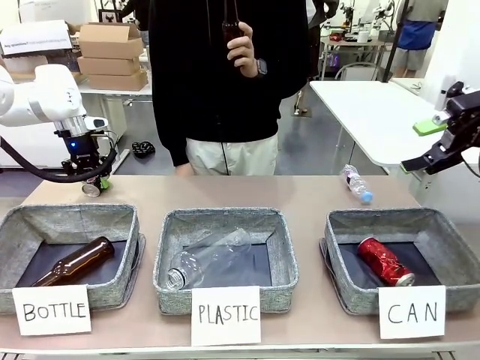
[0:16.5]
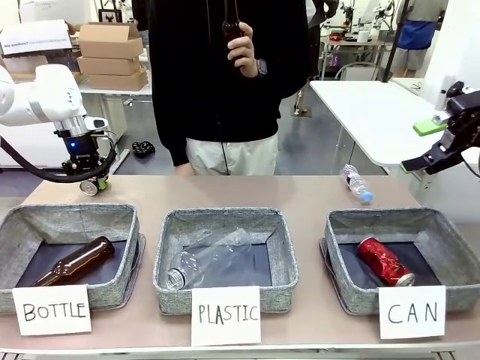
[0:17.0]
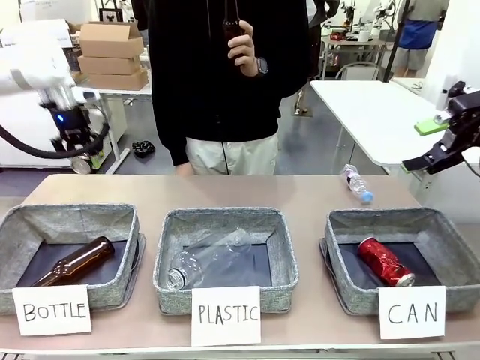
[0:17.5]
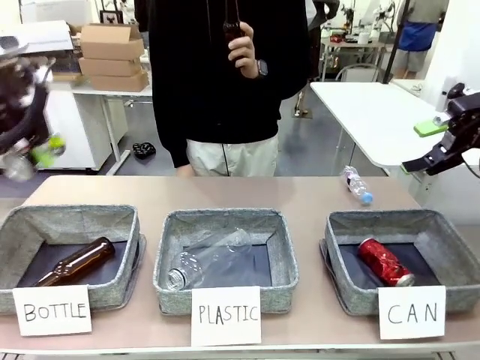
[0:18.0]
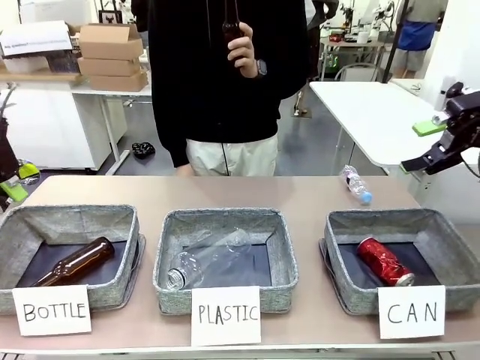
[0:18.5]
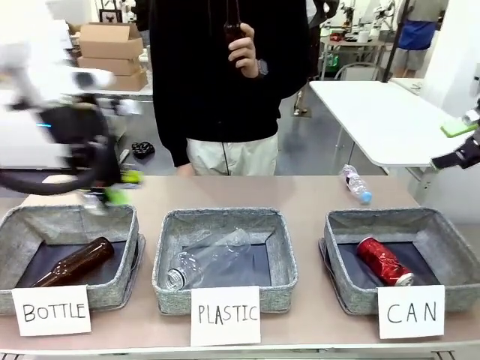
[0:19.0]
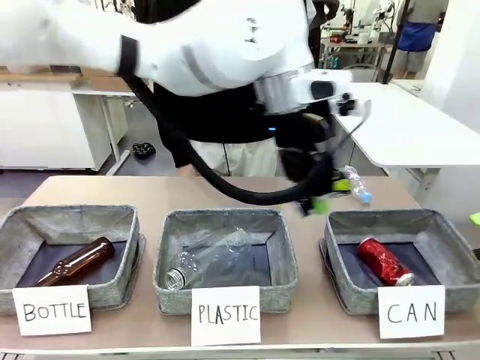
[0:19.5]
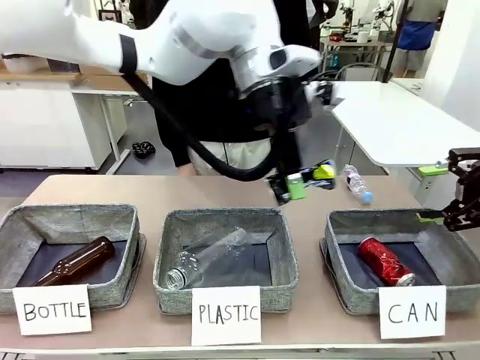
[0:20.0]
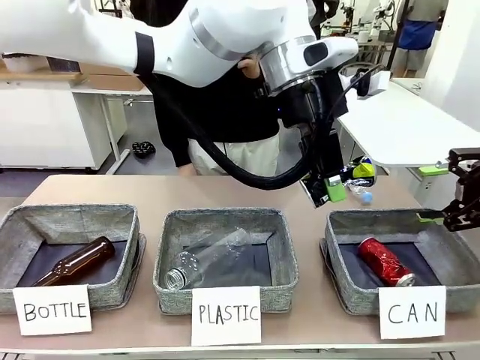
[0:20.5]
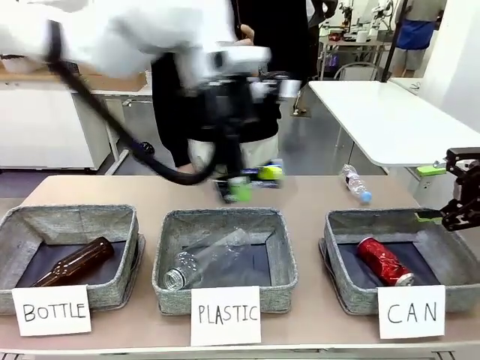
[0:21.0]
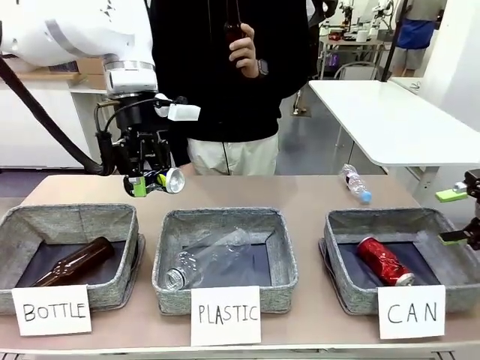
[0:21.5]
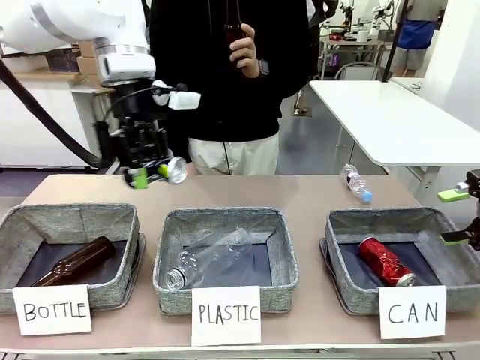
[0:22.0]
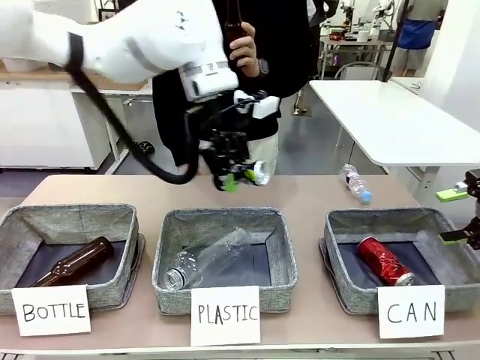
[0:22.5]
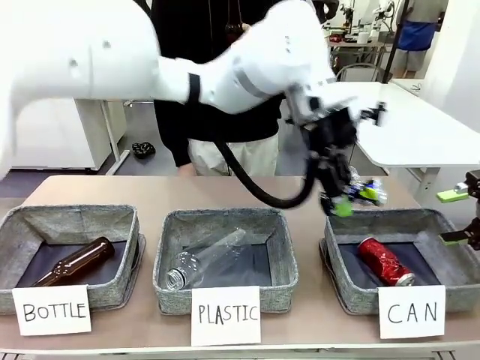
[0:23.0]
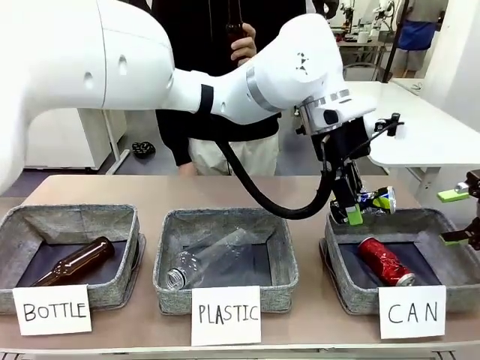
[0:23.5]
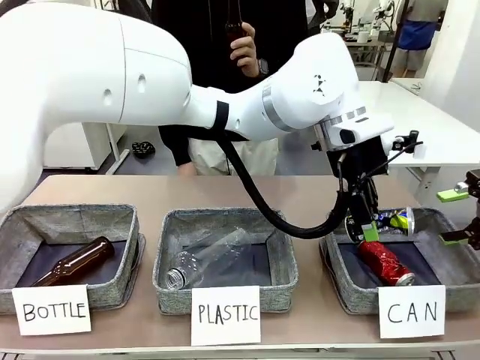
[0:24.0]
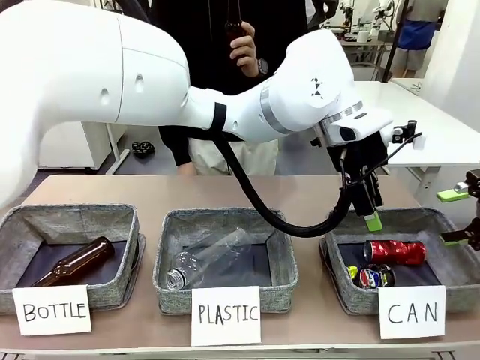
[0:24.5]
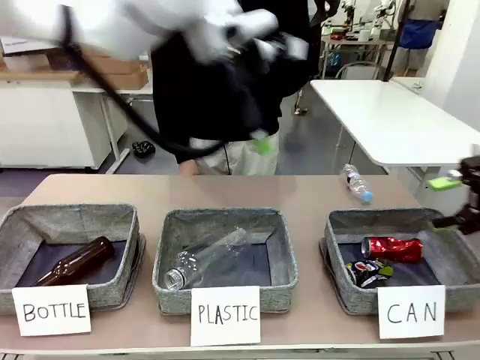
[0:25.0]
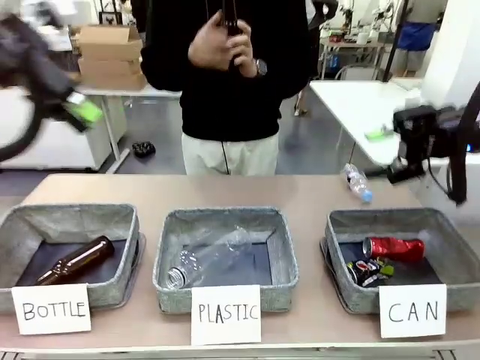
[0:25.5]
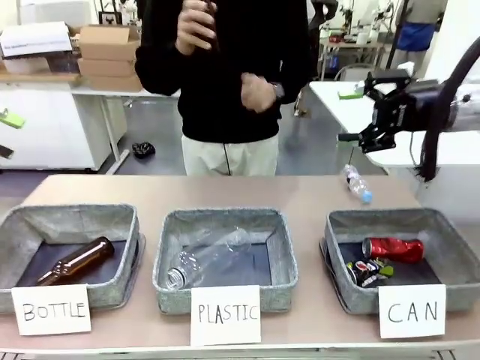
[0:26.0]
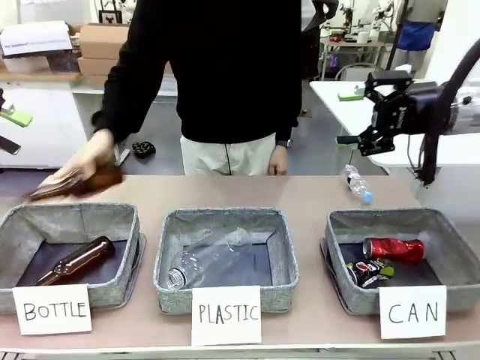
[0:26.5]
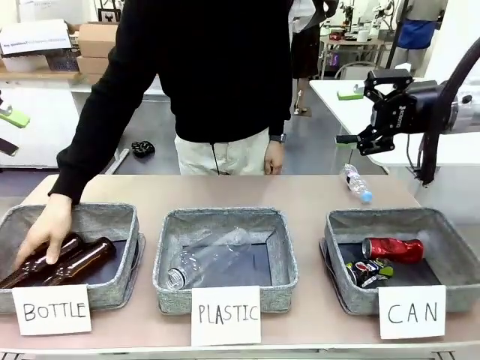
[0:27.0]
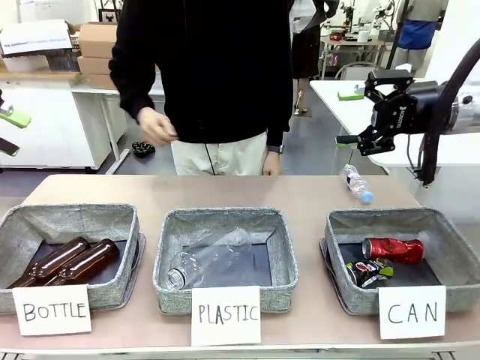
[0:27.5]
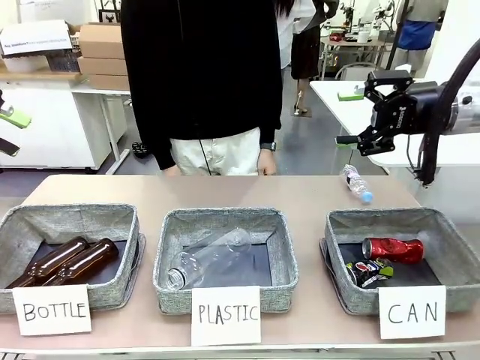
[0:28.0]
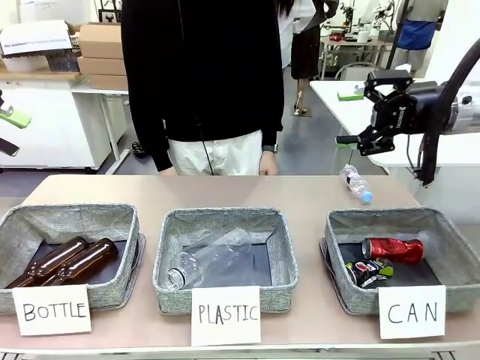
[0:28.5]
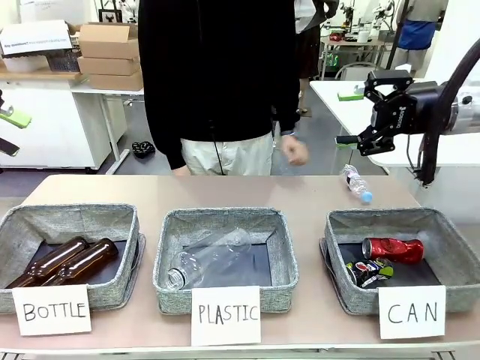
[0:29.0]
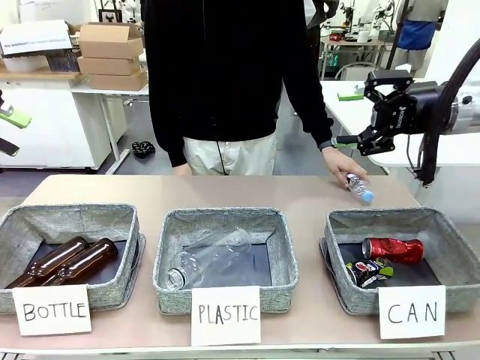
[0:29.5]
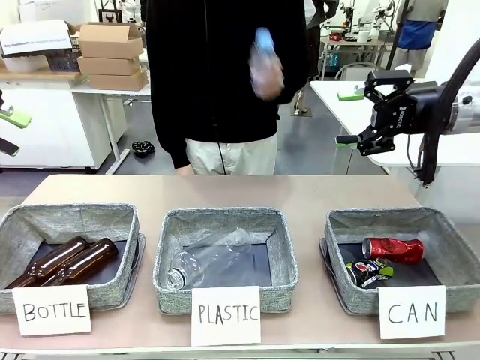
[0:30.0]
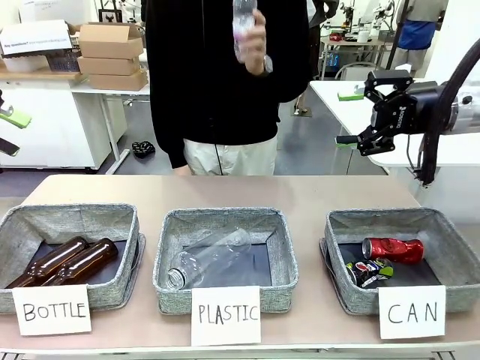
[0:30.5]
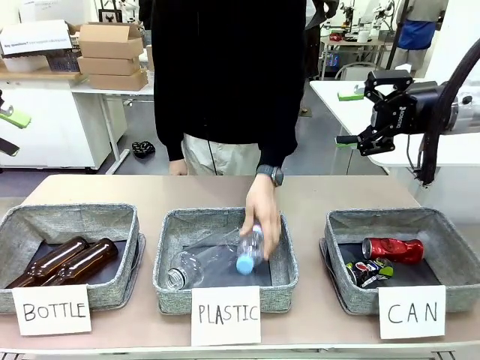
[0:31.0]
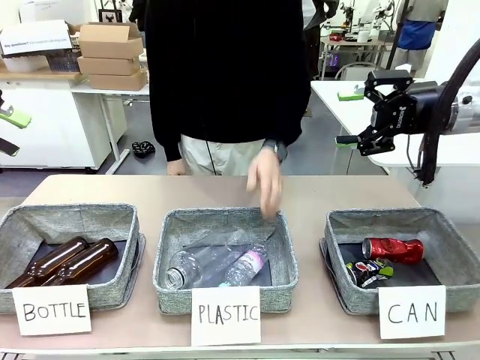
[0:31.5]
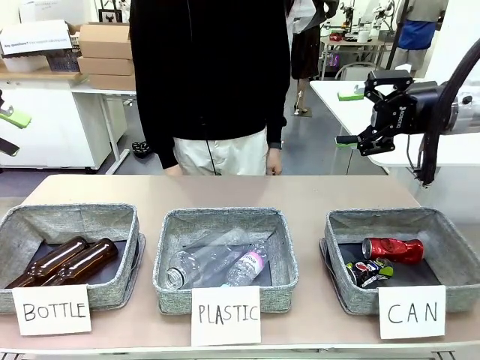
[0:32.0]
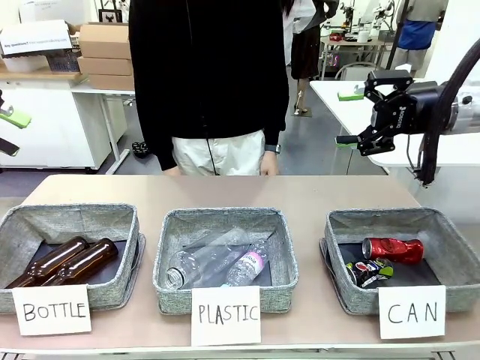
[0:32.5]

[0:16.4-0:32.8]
Task: Sort the can waste into the basket.
Robot: Pick up the can waste from the table and place it in the right Fabric basket.
